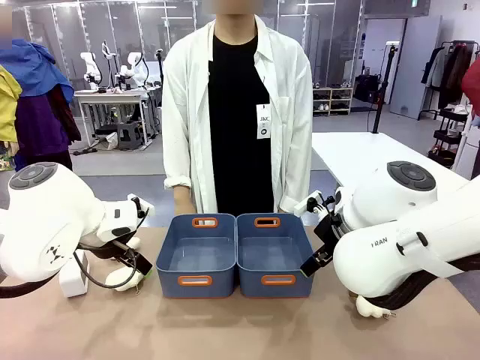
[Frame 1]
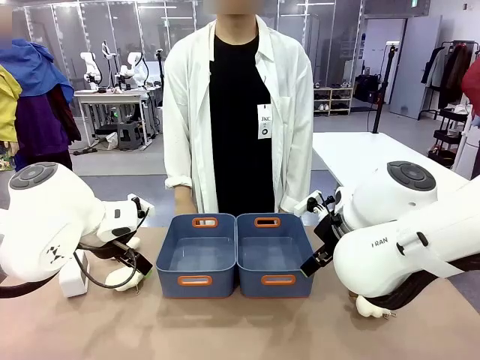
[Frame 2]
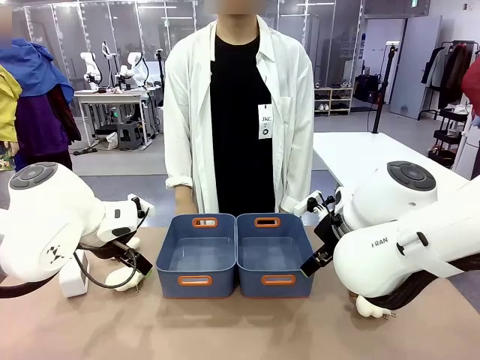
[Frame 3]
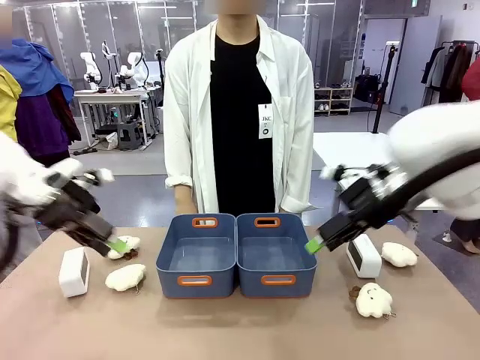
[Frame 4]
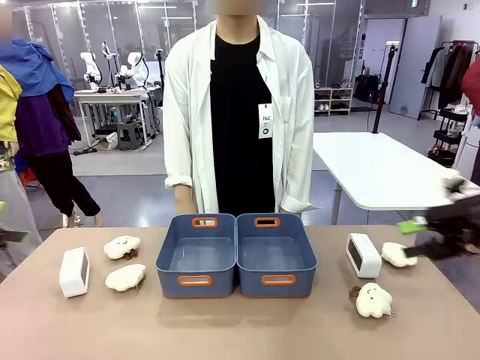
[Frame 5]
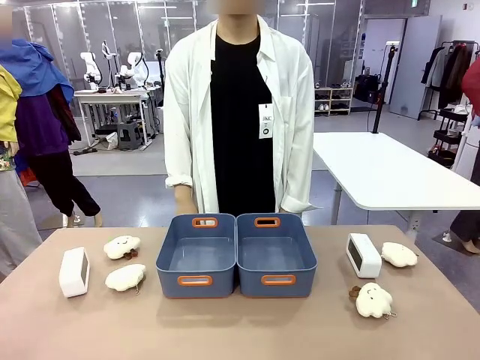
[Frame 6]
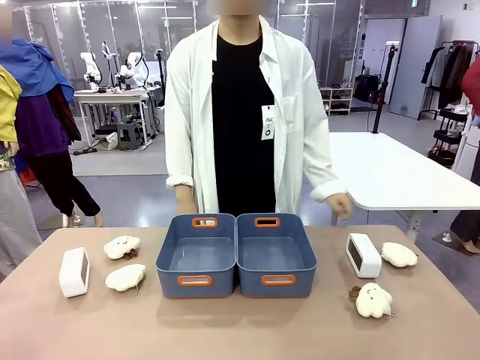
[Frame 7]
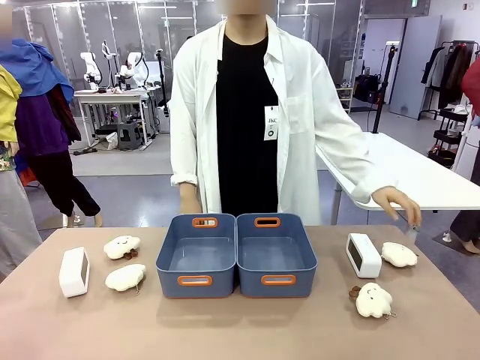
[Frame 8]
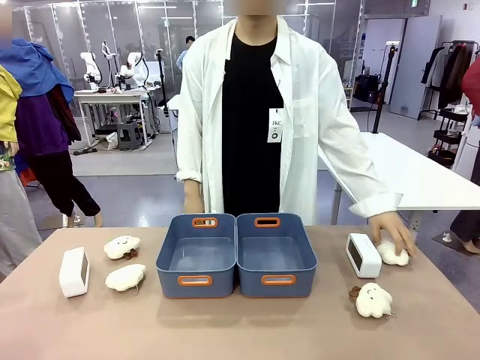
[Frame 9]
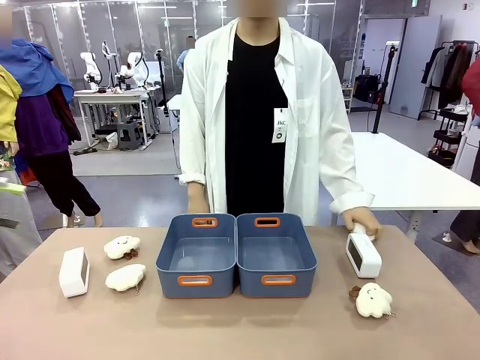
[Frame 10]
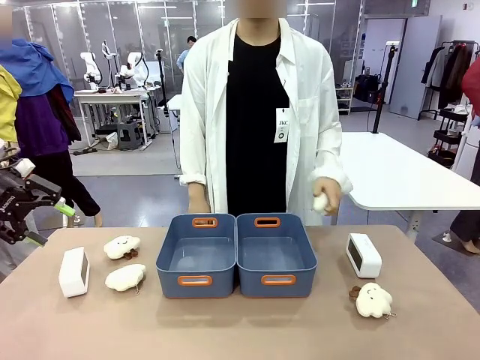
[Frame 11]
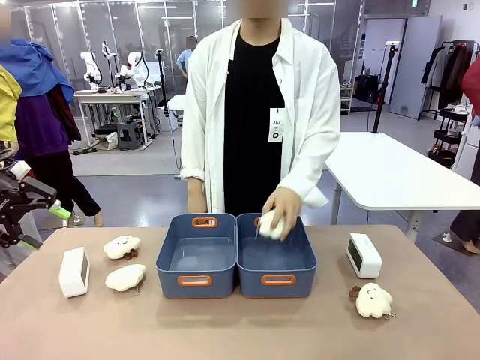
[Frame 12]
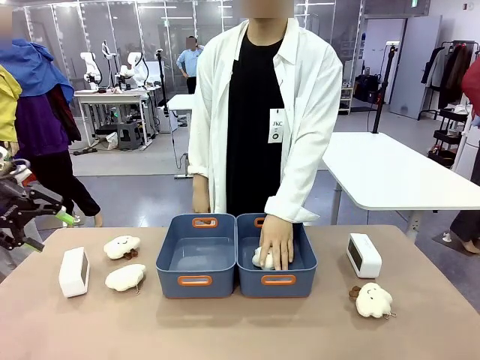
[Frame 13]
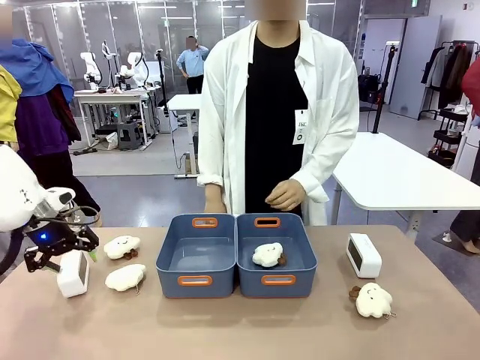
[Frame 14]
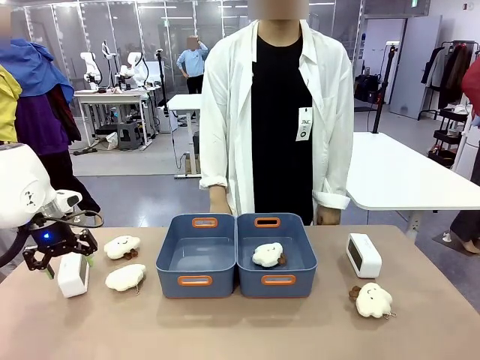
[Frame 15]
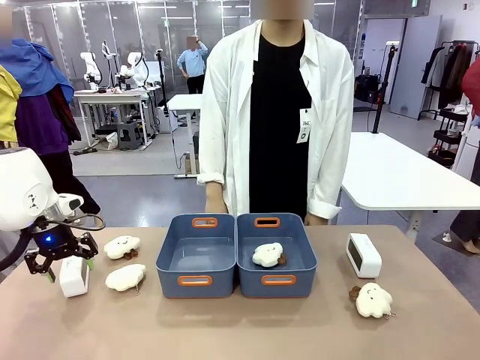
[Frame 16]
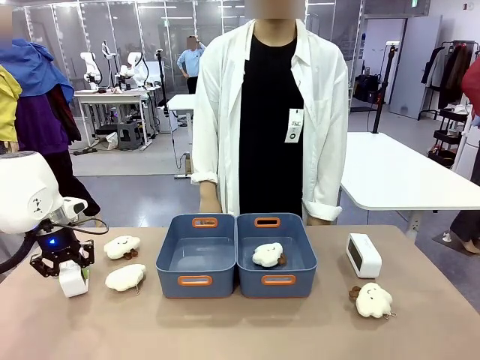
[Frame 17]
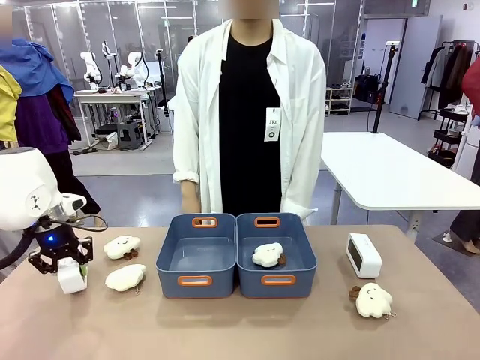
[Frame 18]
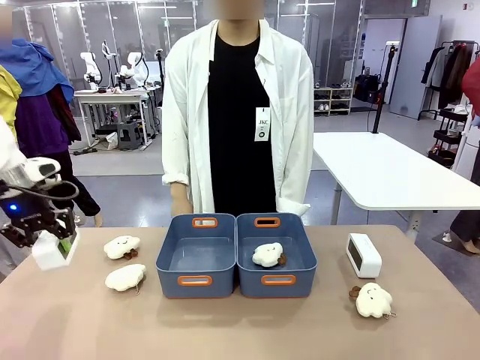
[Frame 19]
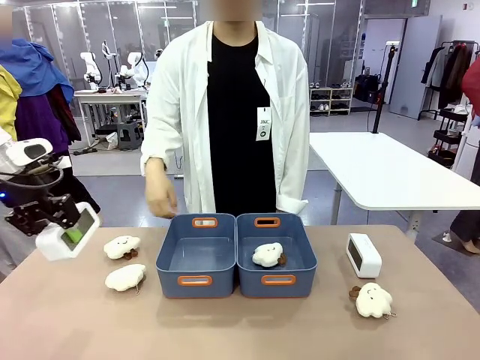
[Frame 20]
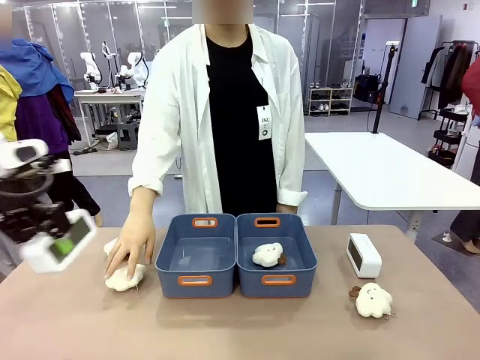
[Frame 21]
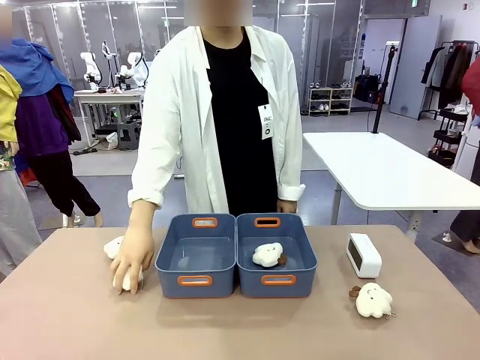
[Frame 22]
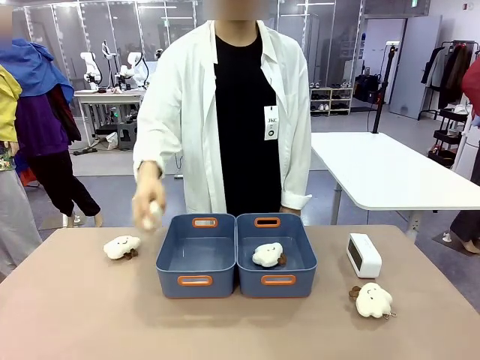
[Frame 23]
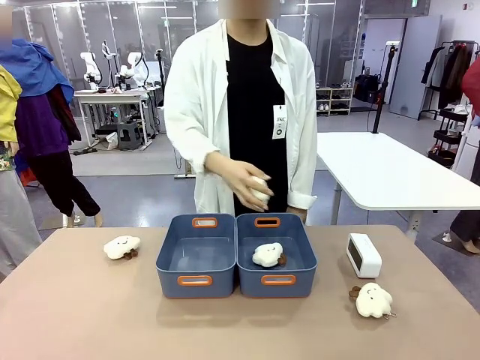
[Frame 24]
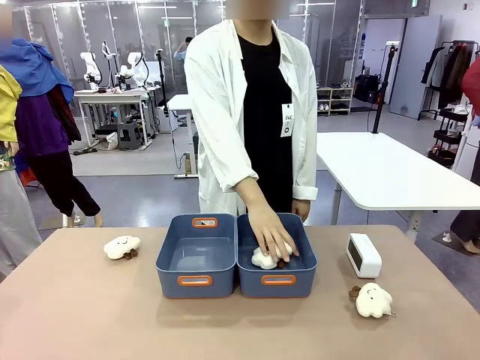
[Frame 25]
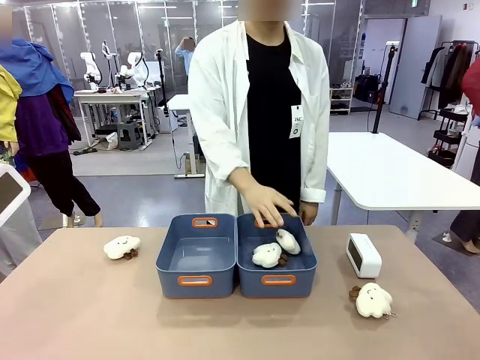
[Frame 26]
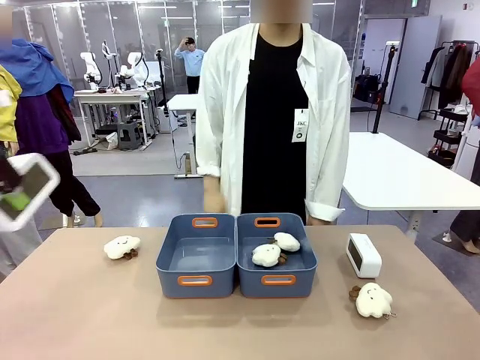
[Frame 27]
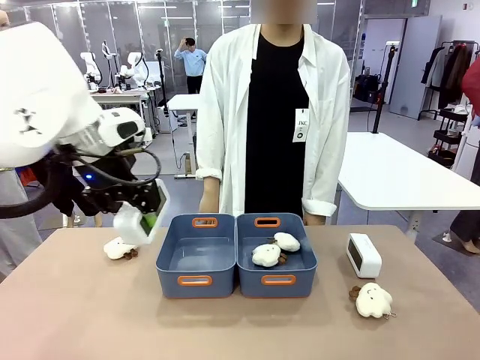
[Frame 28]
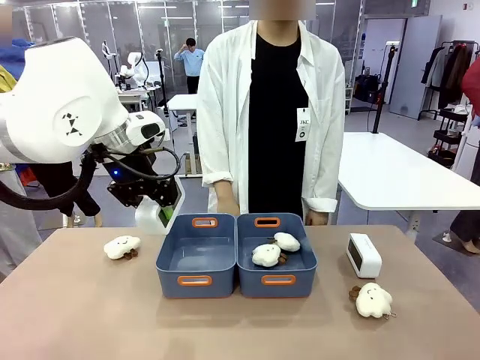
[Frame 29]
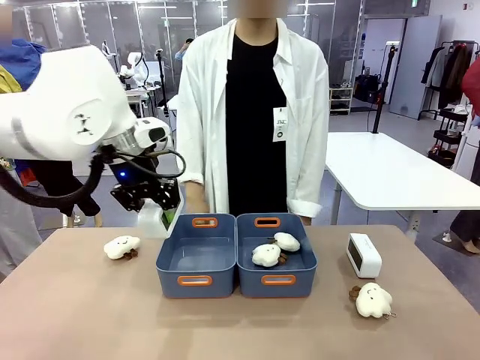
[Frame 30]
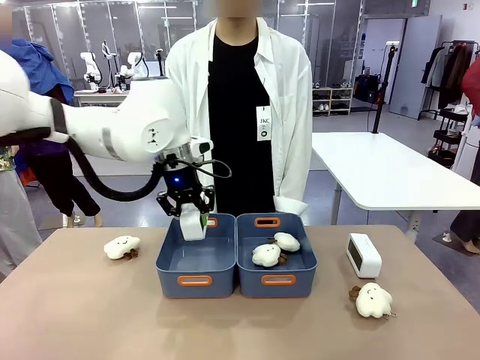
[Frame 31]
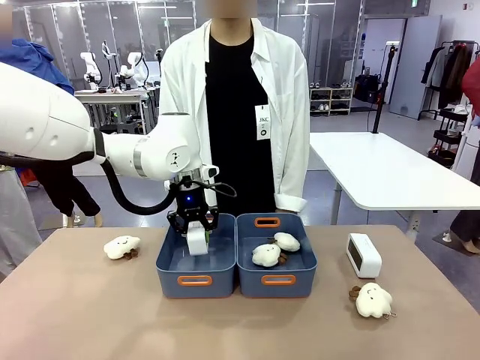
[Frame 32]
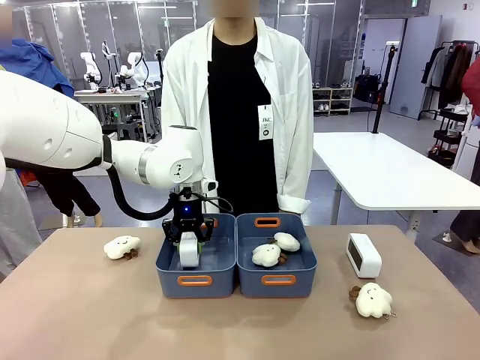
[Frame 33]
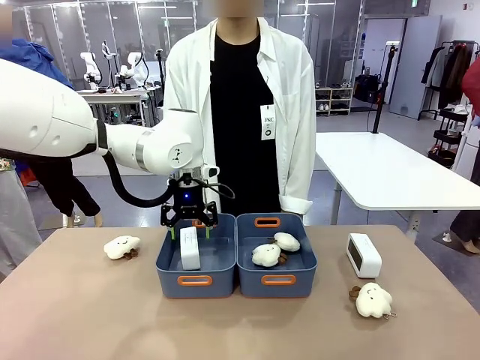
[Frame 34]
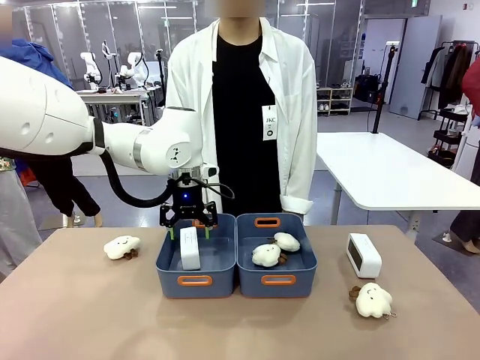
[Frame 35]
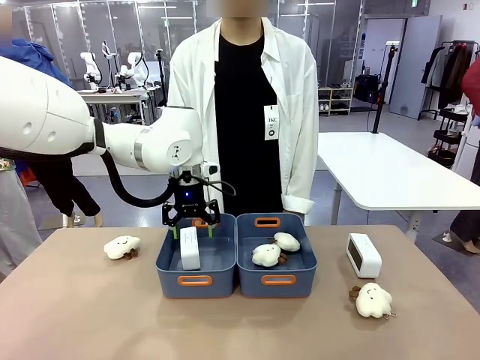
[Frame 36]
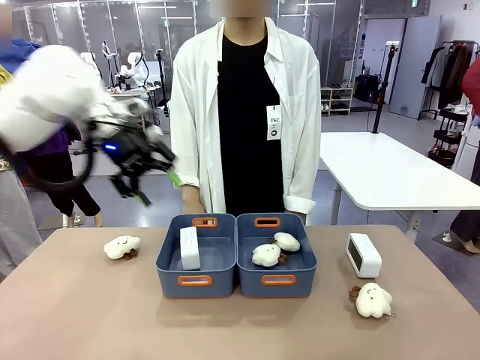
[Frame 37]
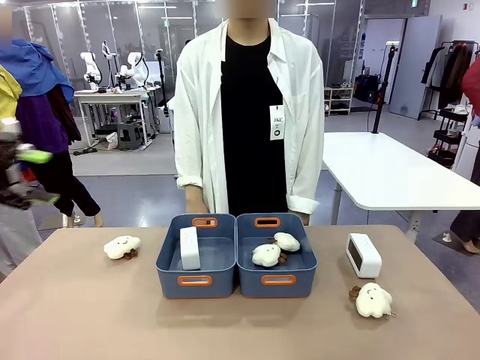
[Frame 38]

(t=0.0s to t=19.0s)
Task: Sort the digital clocks into the basket.
Robot: Pick up the Digital clock from the table and place it into the empty Plastic storage basket.
Person: Pick up a plush toy from the table and place it in a plastic storage basket.
